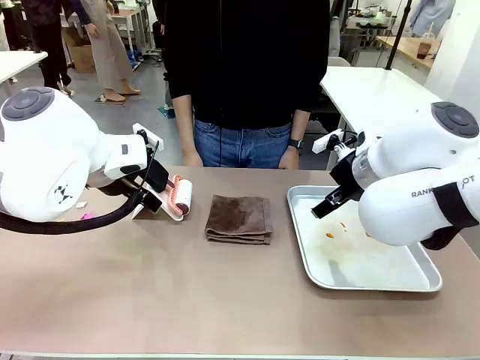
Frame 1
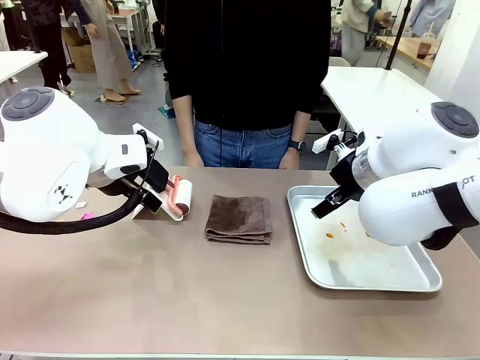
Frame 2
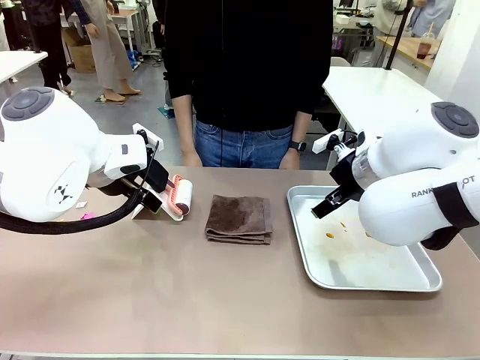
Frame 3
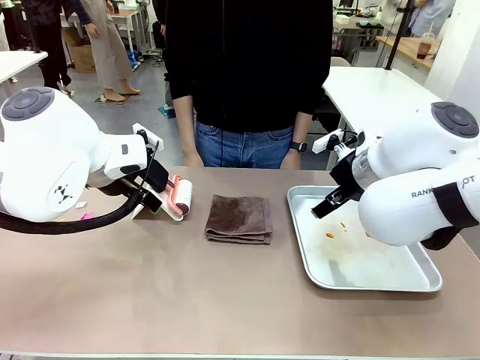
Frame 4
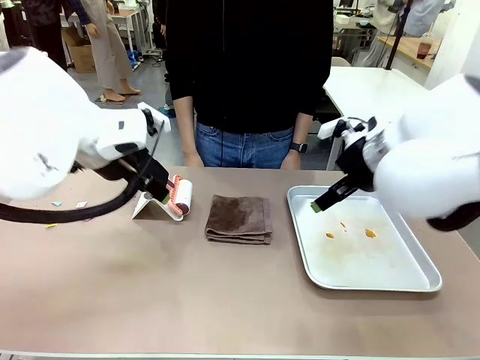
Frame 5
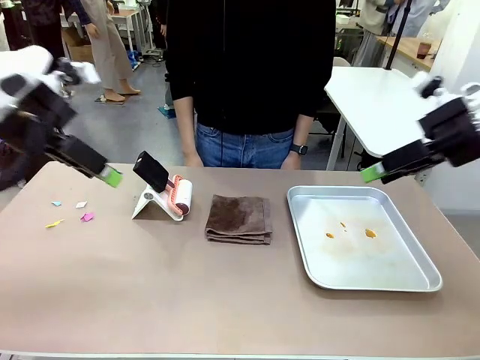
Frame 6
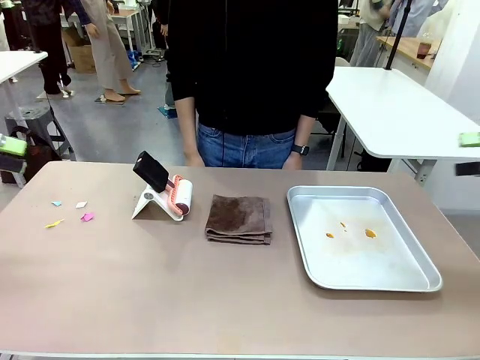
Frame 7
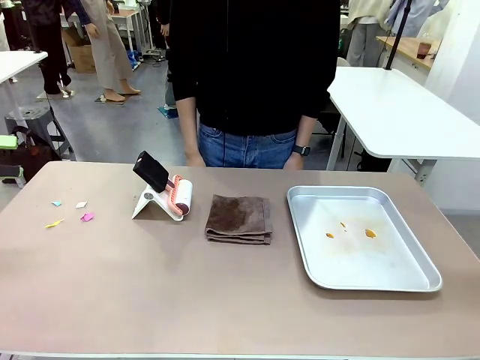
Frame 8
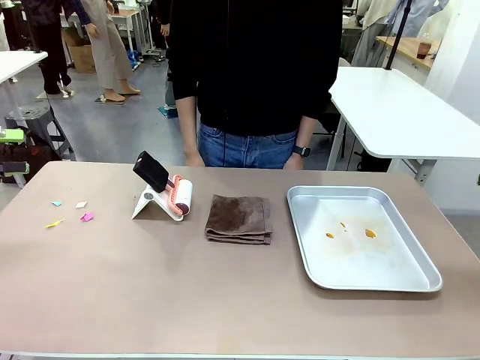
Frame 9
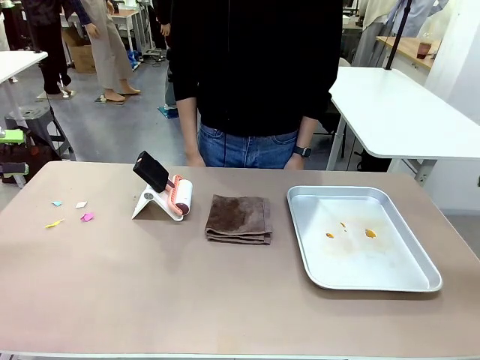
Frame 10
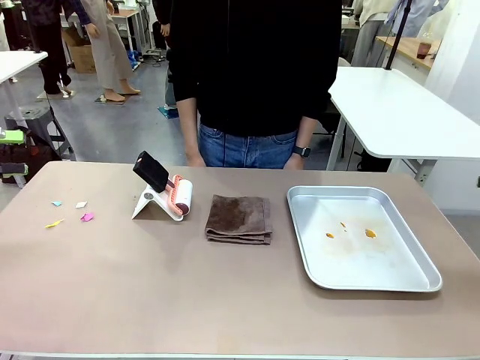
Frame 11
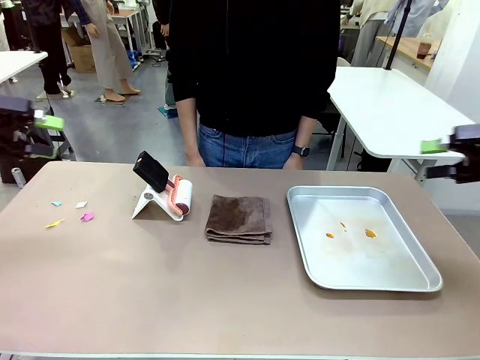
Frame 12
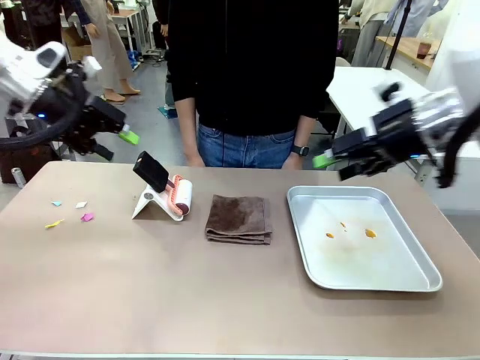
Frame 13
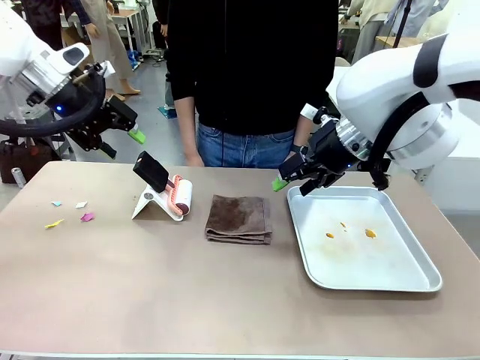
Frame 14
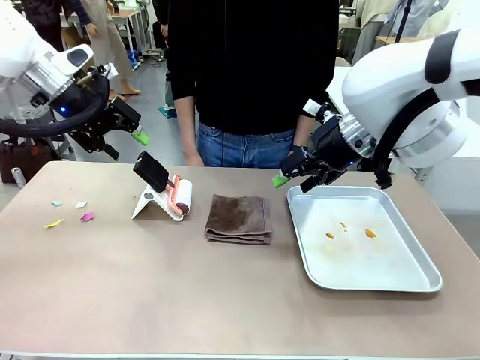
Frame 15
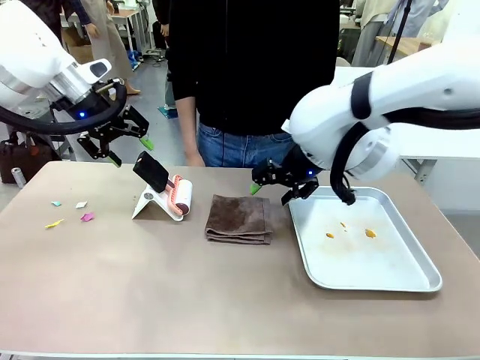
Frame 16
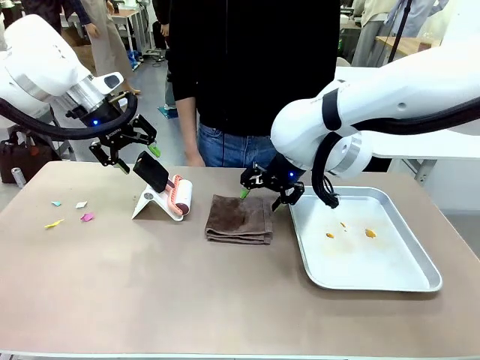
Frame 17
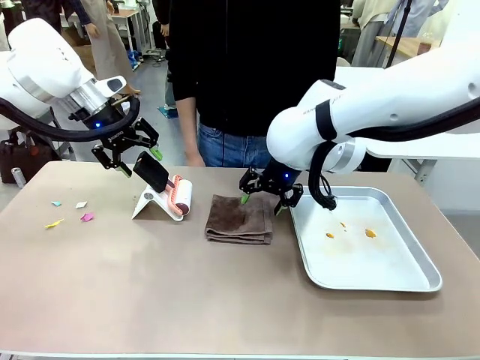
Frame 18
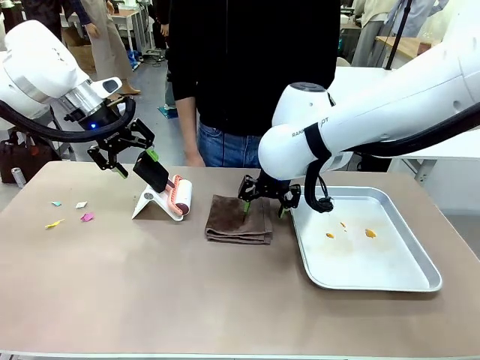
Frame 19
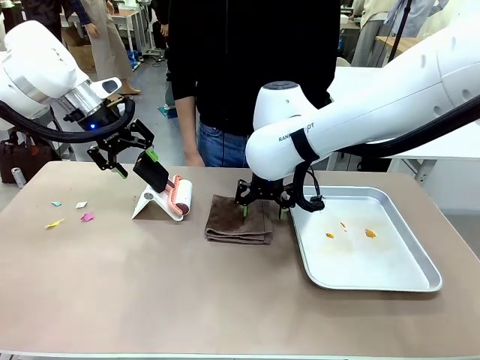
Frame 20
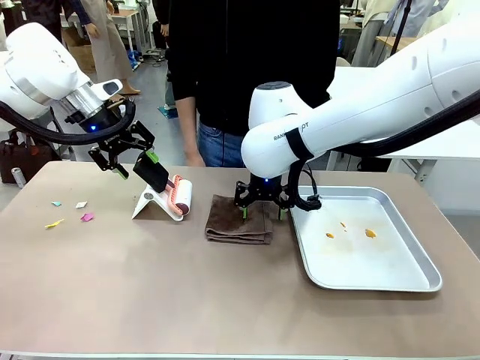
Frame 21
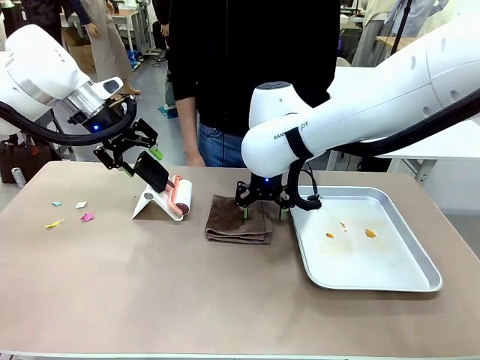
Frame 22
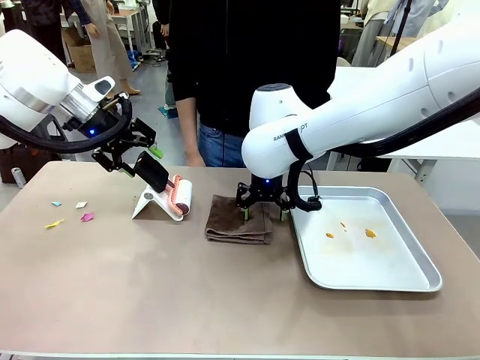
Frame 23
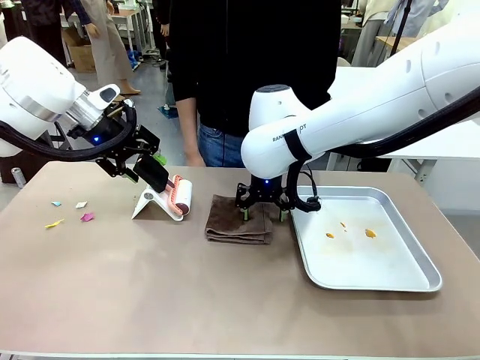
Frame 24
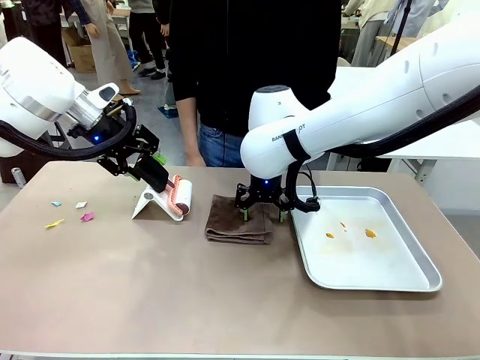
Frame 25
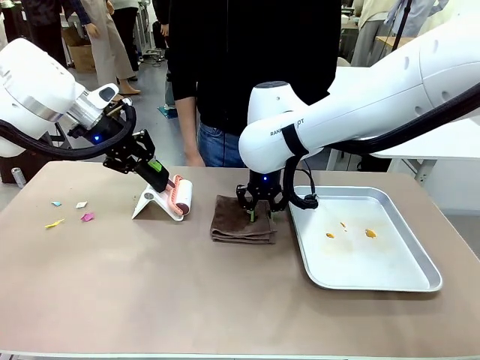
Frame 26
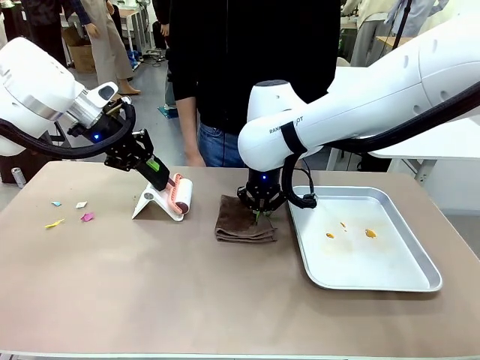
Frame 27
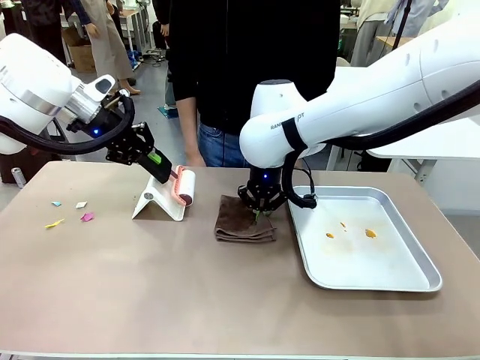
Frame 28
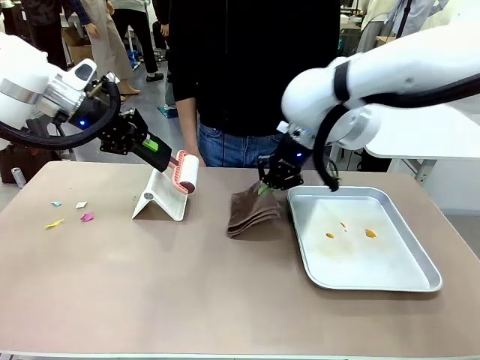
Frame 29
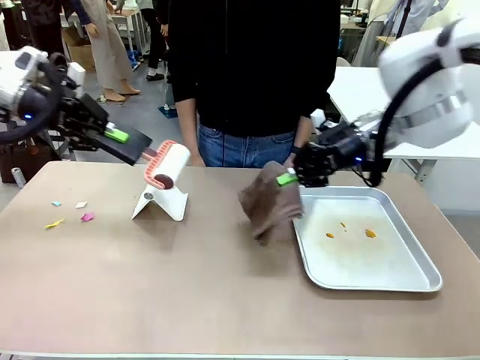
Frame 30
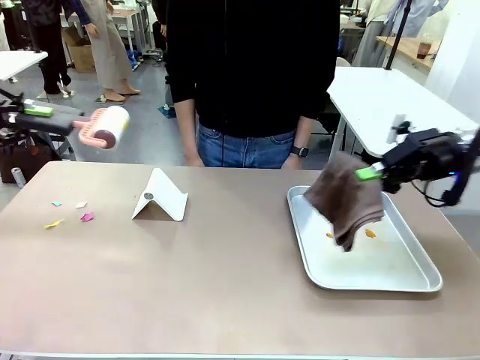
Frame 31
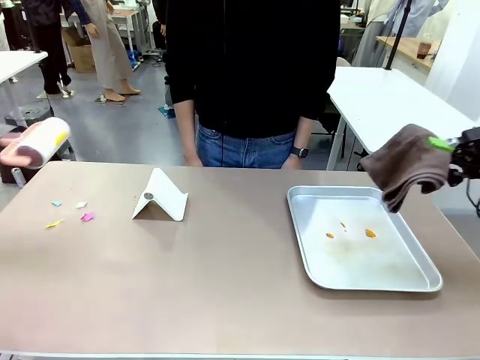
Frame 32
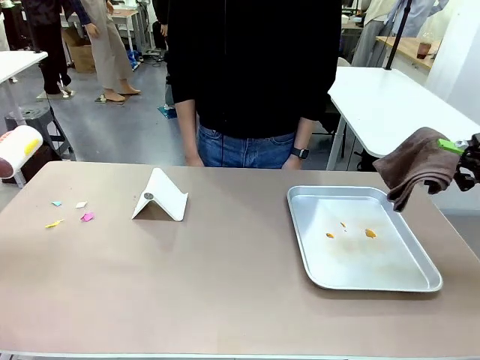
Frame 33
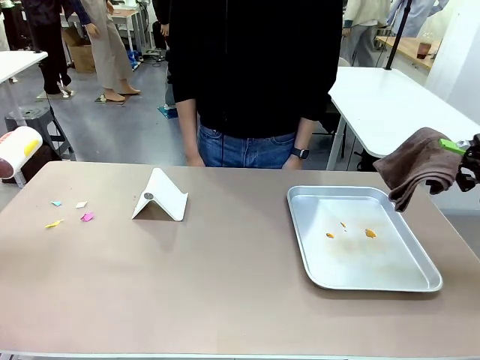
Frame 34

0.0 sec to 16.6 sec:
Task: Clean the surface of the table.
Robot: Hold the Lint Roller with your left hand and the towel with your right hand.

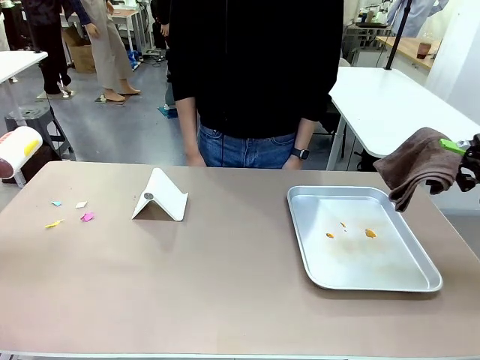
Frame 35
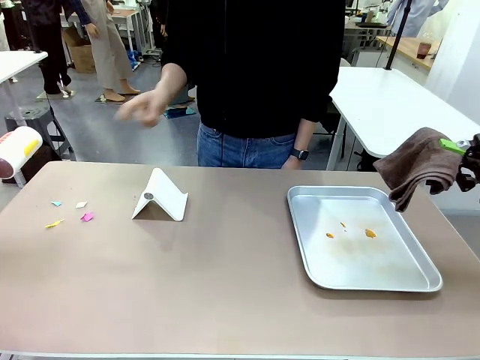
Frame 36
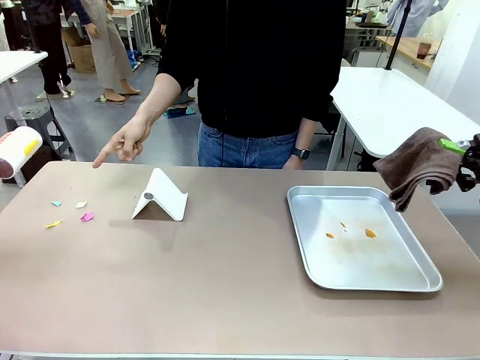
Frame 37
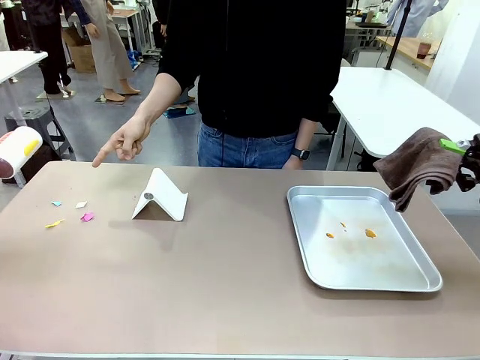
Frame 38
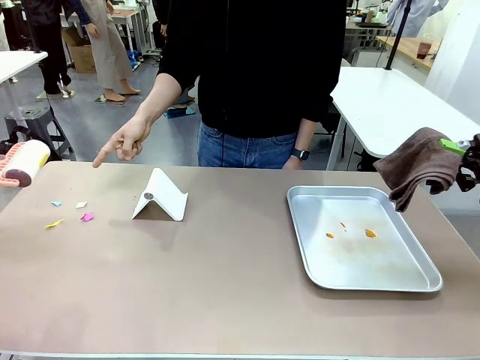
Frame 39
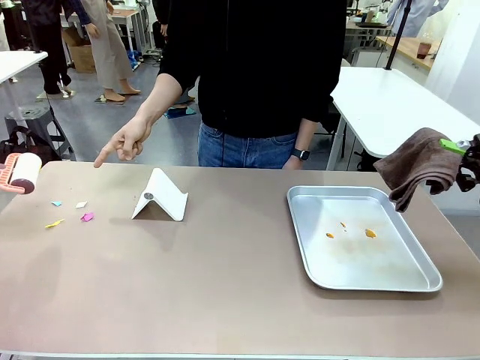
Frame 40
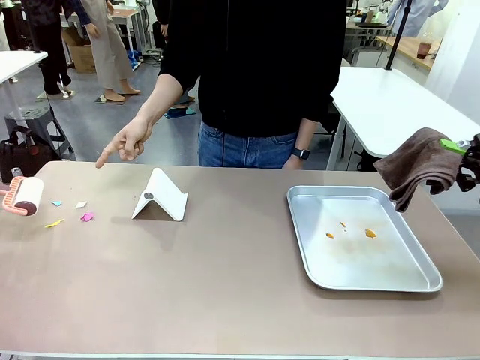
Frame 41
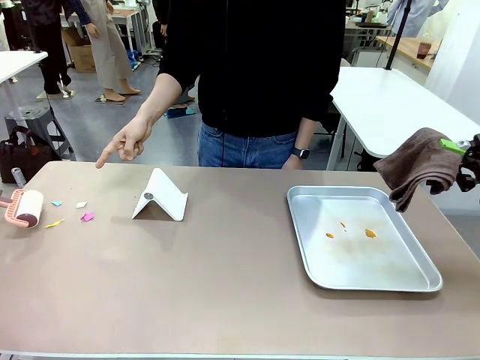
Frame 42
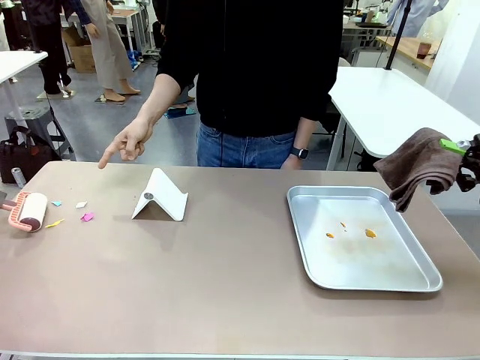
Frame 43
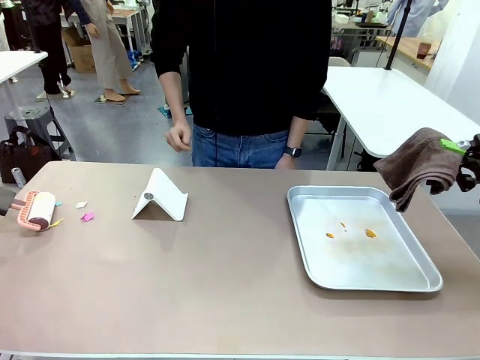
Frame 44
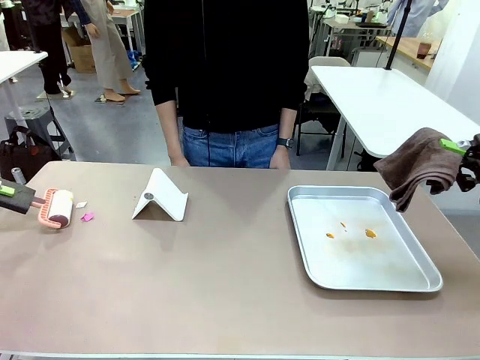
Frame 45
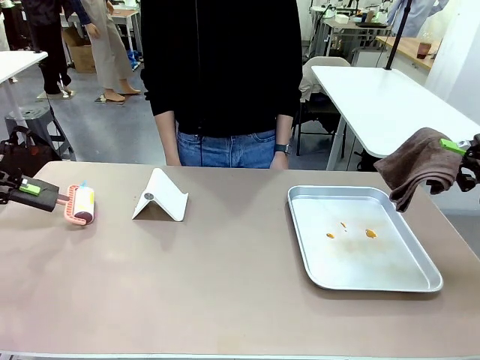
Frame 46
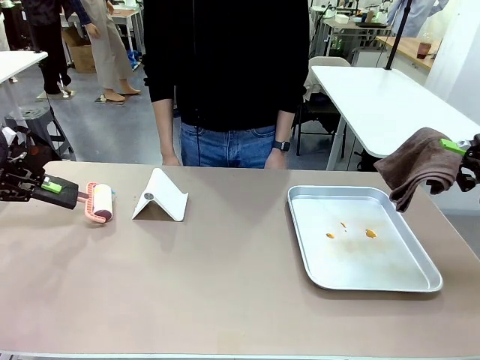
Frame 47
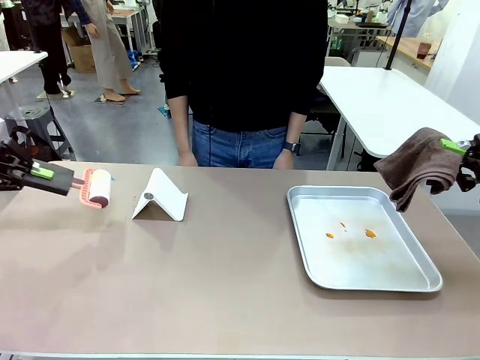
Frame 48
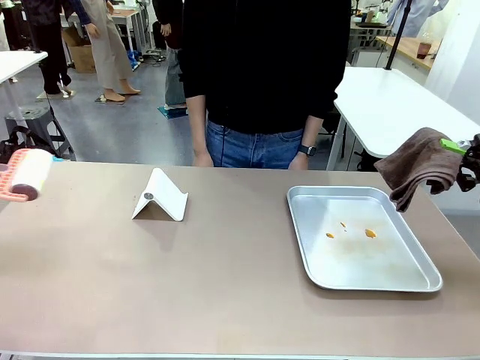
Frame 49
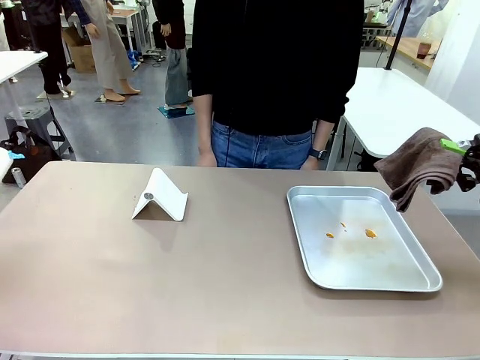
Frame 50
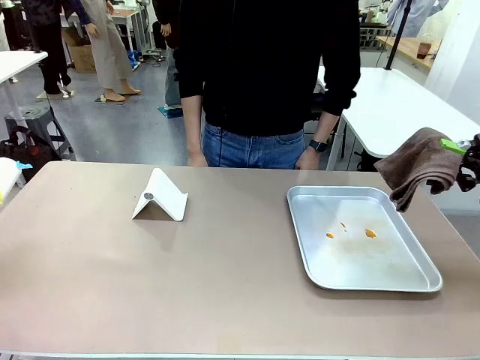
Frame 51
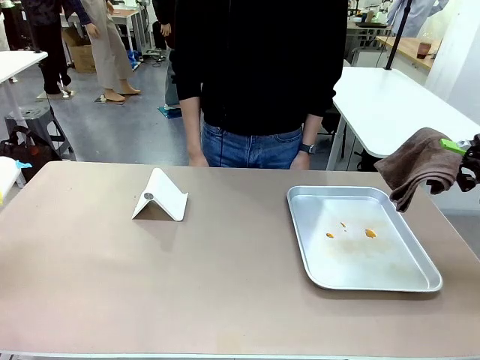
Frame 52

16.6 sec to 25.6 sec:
Robot: If a person points to the right, clean the right side of the table with your right hand, and if they point to the left, clean the left side with your left hand.
